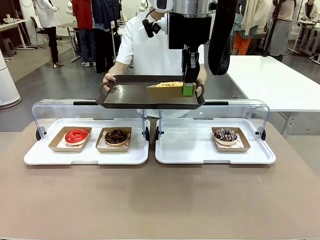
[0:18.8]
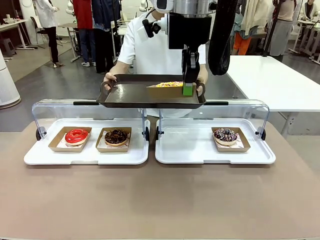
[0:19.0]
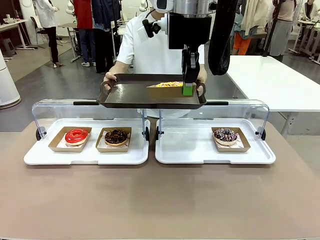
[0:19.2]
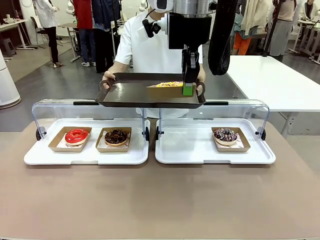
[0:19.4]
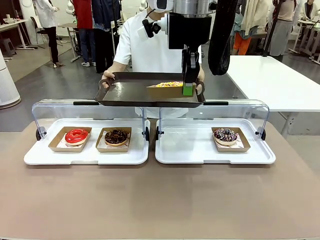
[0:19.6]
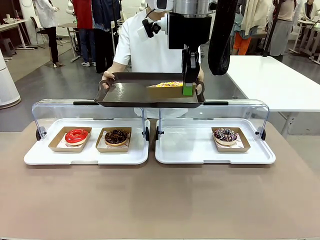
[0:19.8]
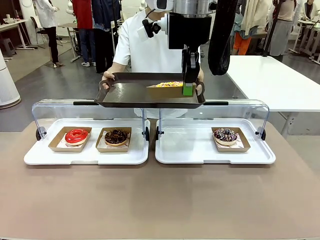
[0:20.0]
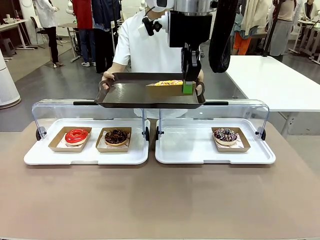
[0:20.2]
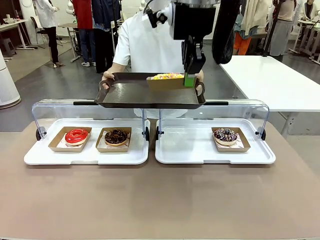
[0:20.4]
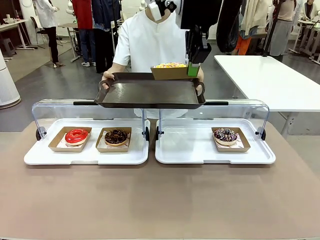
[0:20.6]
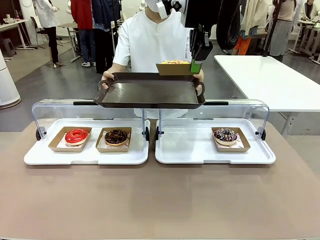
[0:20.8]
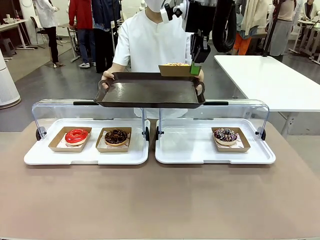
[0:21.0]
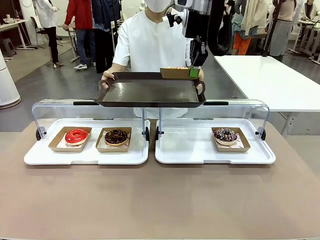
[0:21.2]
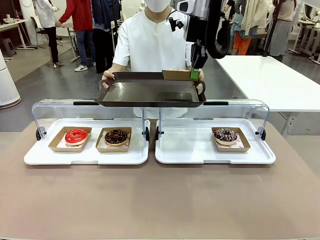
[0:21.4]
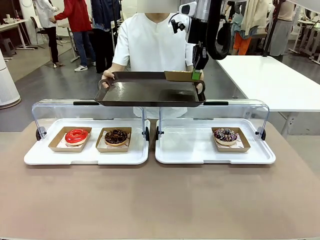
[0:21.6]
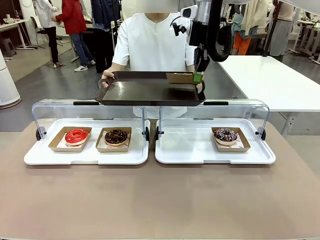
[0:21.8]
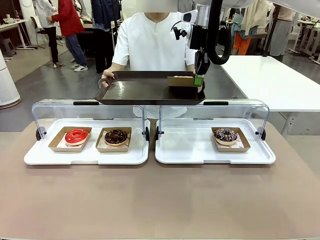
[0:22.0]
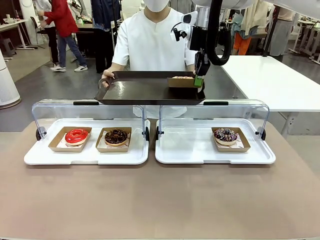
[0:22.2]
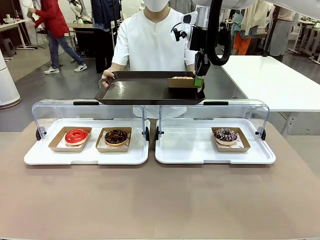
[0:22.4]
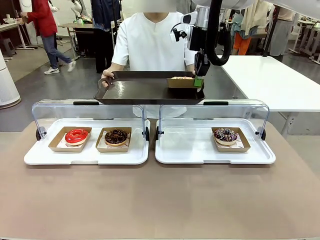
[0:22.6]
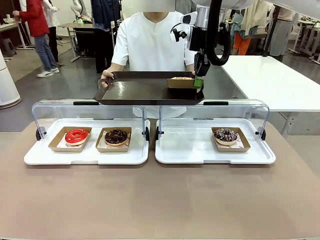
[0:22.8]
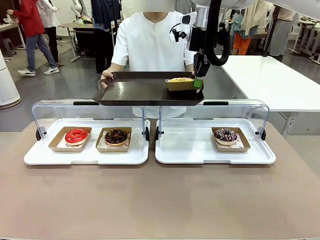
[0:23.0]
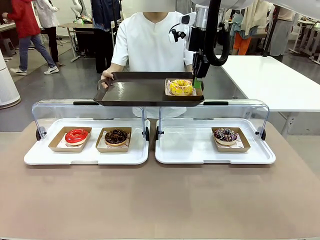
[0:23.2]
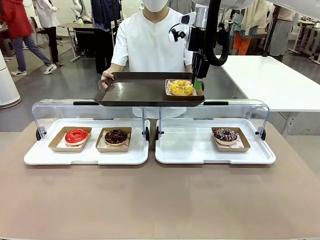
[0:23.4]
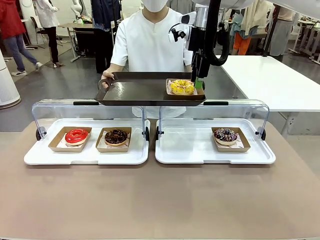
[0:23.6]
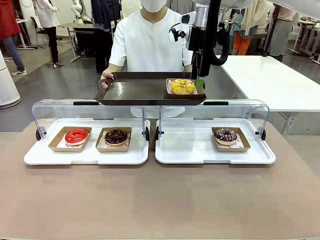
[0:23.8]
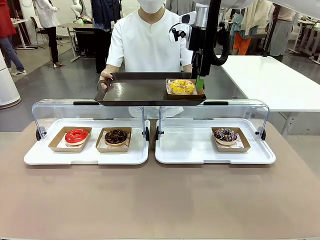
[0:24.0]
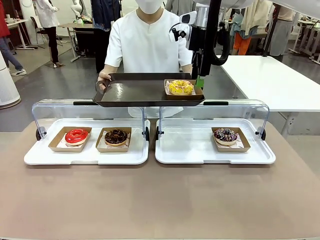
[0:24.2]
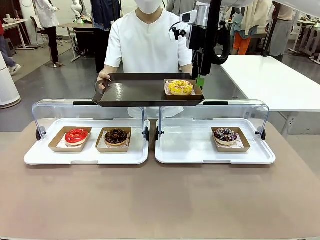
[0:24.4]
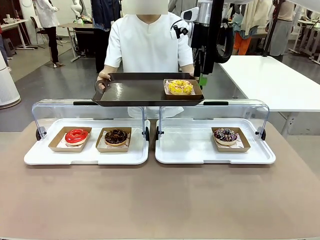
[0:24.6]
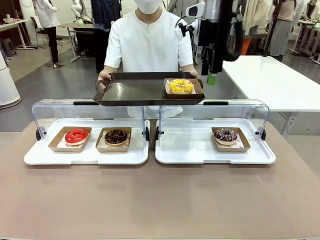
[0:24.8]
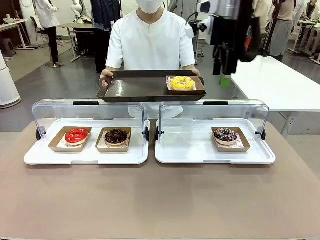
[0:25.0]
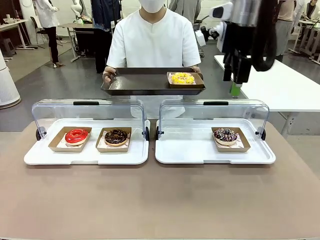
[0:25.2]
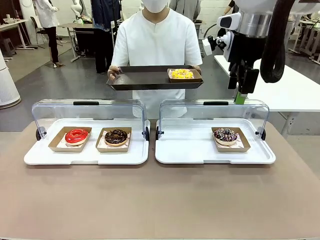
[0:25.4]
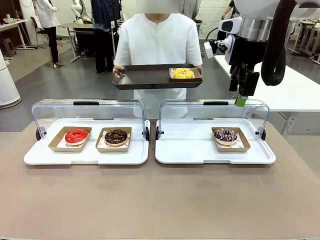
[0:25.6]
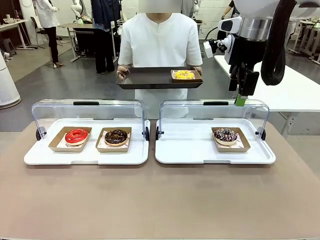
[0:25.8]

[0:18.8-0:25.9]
Task: Provide the desired donut to the person.
Robot: Place the picked Paper togo box onto the Handle tray extended by the person.

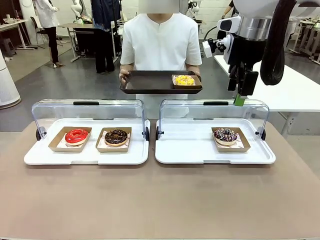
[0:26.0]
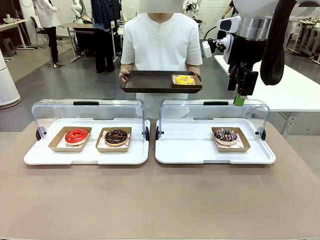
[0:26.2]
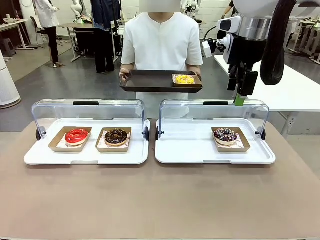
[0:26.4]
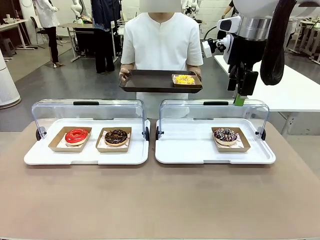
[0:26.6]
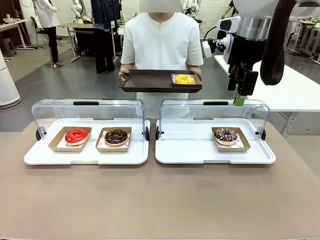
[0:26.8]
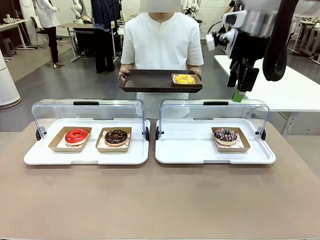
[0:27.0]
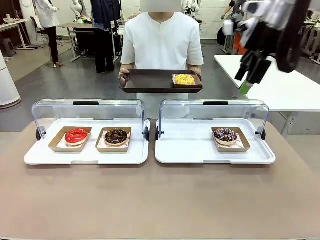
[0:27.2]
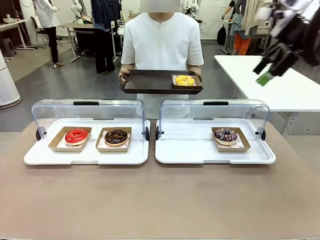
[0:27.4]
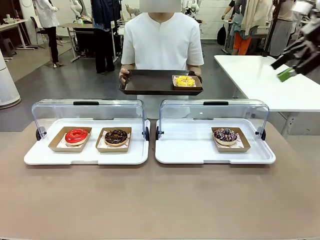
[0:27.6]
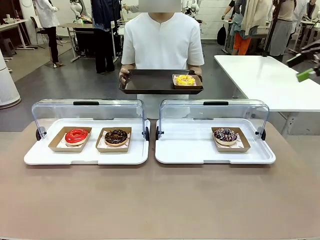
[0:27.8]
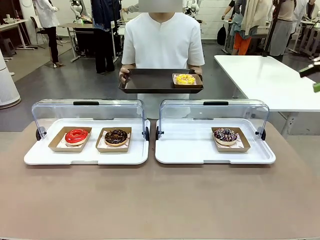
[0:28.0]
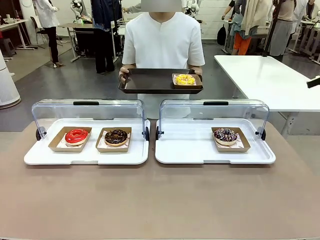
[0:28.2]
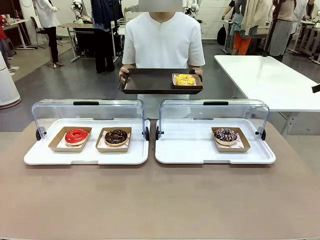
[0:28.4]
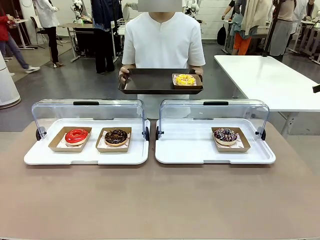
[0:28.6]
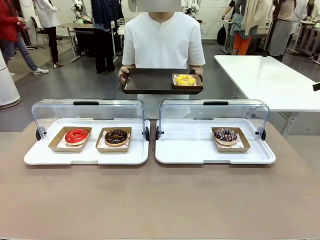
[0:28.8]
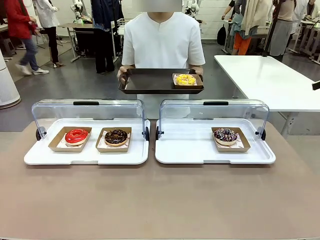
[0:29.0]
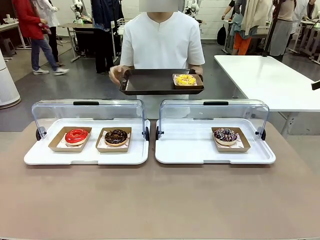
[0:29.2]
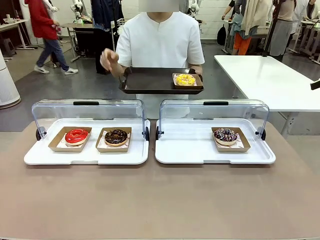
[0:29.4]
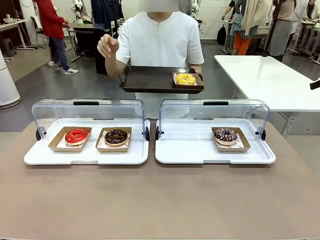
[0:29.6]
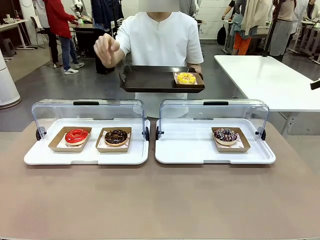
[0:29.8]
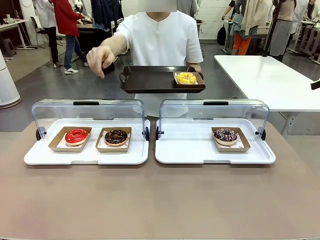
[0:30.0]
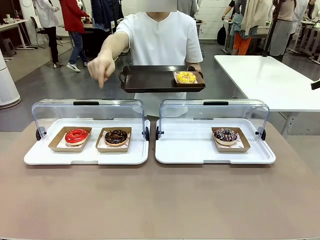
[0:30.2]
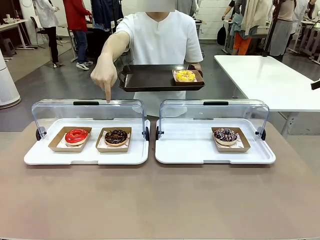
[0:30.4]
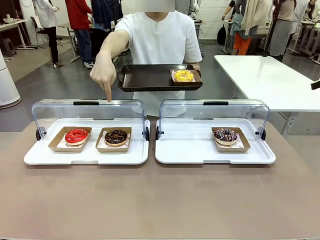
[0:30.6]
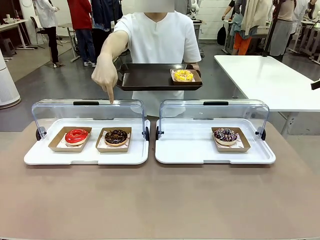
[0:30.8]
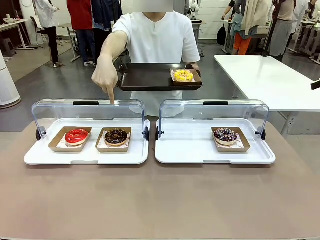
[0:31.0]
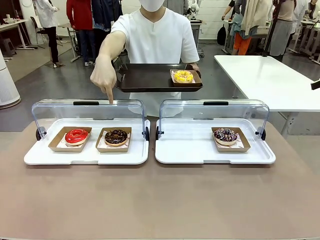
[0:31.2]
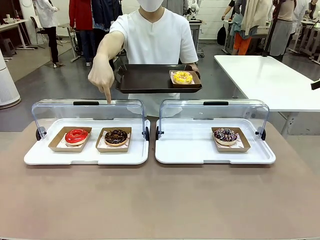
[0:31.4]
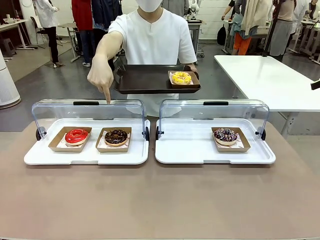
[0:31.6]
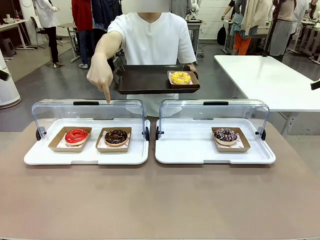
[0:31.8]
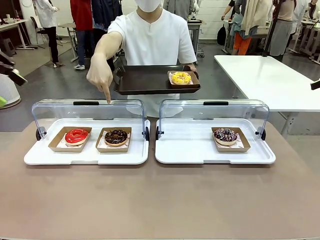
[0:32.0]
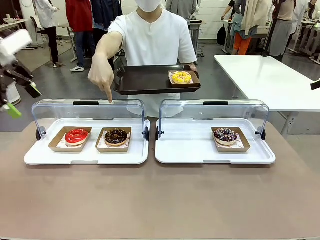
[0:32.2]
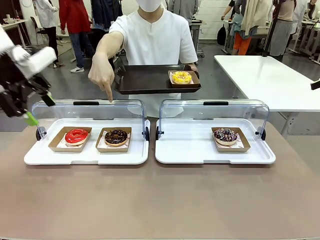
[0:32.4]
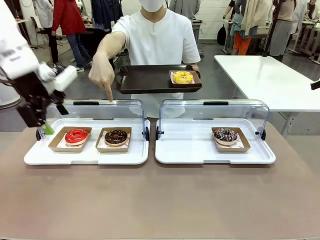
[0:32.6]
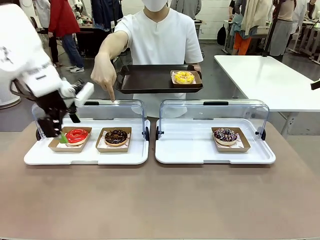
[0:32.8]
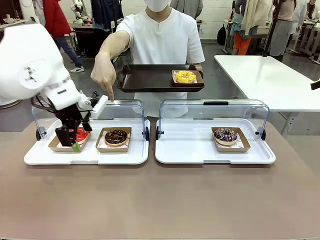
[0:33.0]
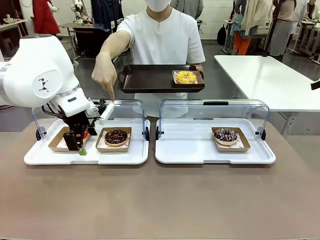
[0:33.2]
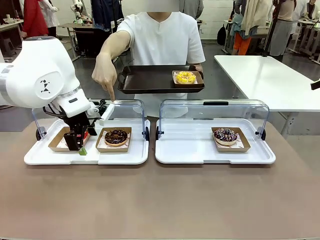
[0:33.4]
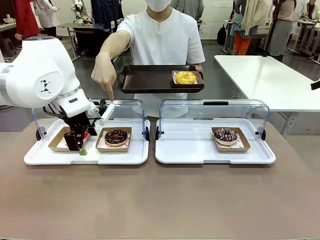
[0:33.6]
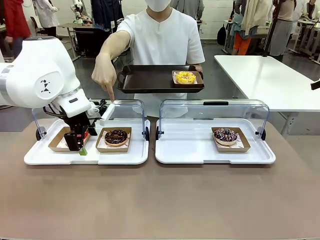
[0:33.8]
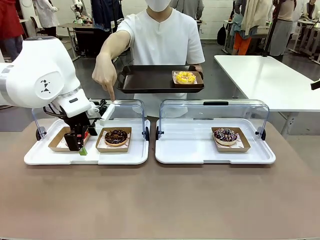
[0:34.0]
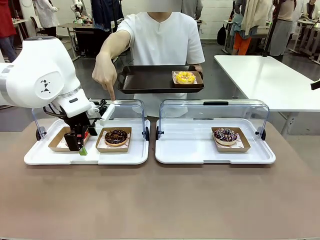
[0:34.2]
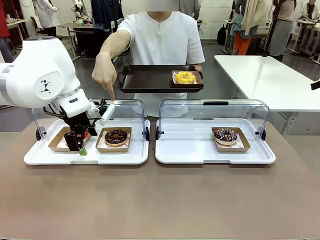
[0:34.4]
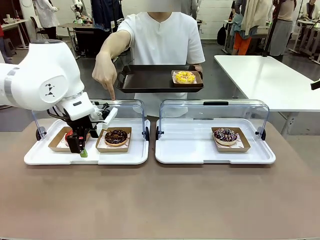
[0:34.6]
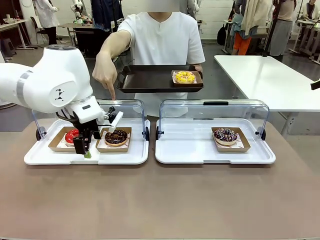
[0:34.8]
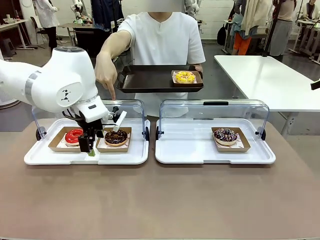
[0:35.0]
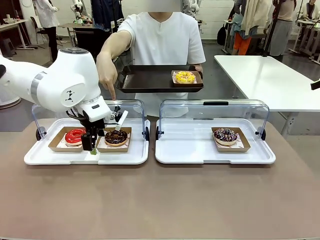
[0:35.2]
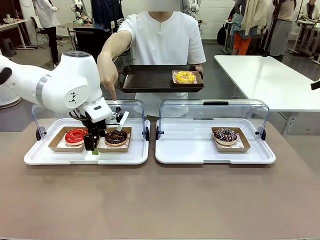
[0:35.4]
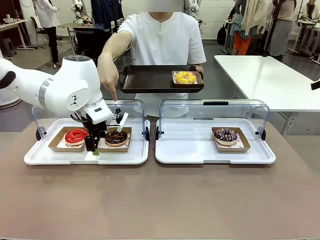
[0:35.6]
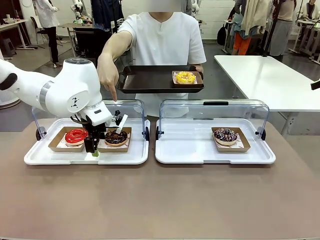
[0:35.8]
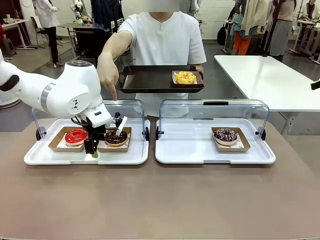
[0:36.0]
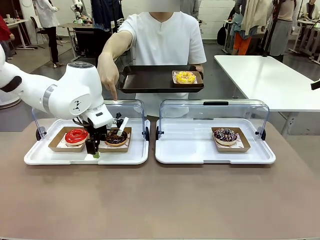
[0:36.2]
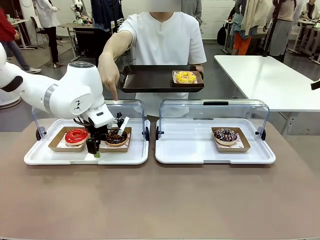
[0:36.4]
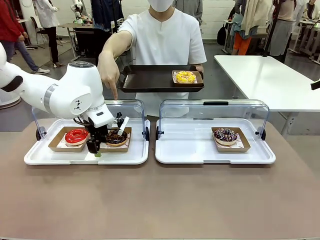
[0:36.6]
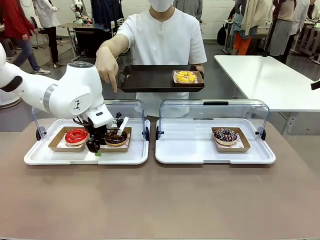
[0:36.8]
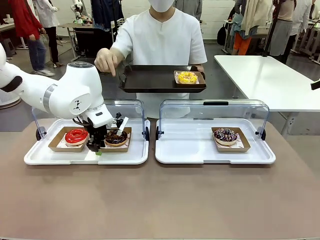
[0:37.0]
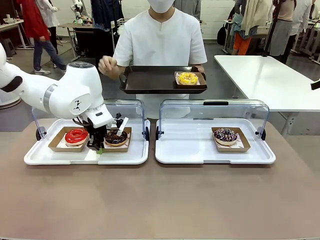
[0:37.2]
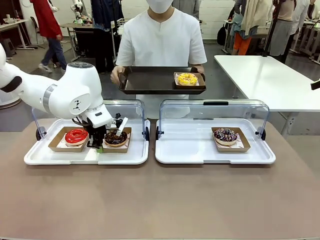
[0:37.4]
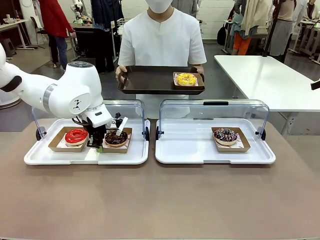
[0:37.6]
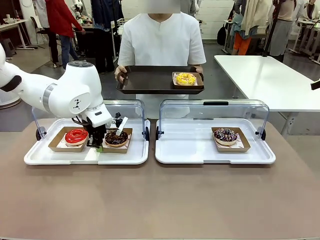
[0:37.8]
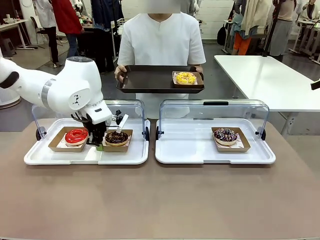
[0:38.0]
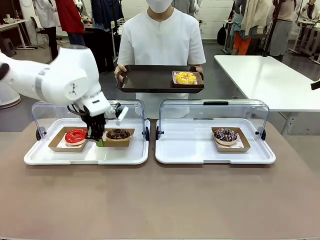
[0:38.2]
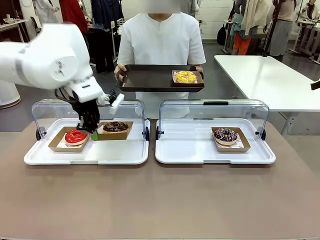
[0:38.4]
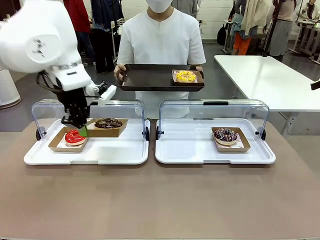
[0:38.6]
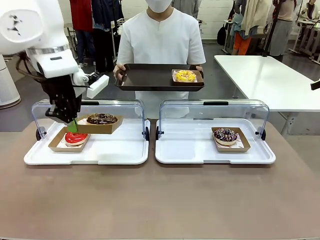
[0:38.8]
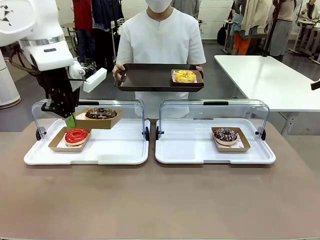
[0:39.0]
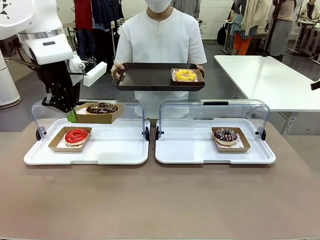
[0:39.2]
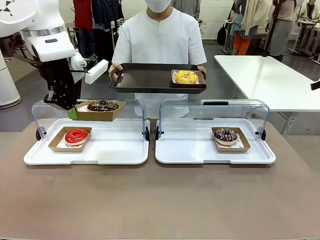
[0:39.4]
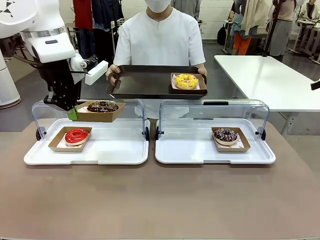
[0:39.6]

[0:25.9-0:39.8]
Robot: Pick up and lift the Paper togo box containing the Donut pointed at by the person.
Person: Point to one donut. Lift the tray onto the Roll-Top Bakery Case.
